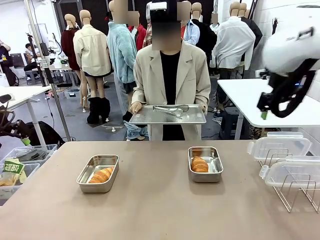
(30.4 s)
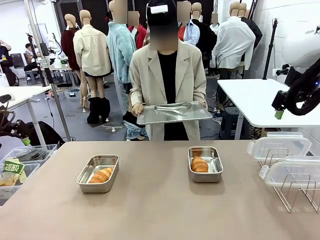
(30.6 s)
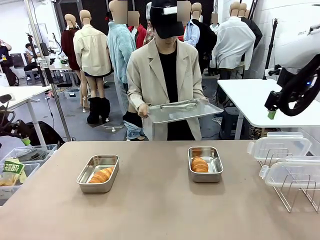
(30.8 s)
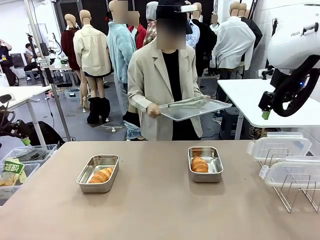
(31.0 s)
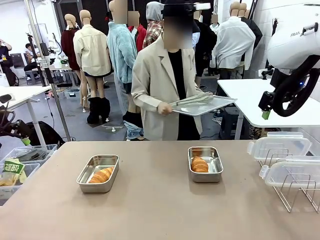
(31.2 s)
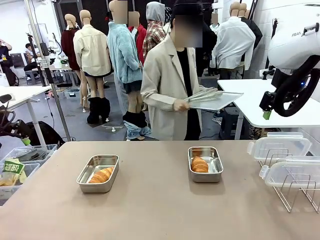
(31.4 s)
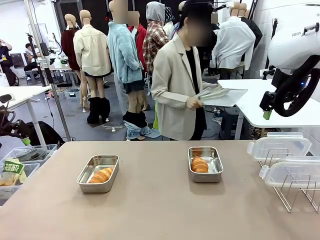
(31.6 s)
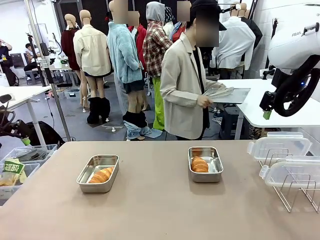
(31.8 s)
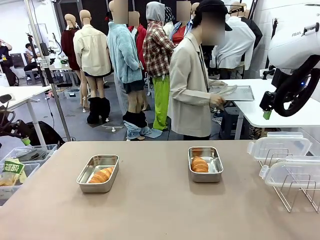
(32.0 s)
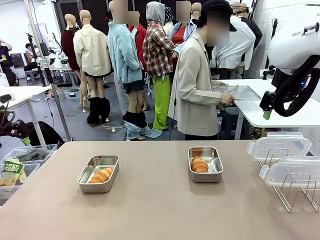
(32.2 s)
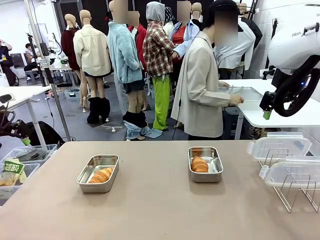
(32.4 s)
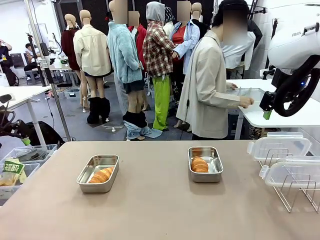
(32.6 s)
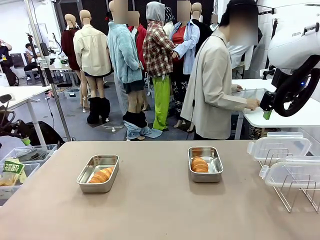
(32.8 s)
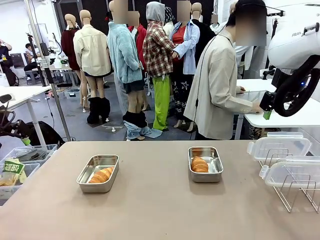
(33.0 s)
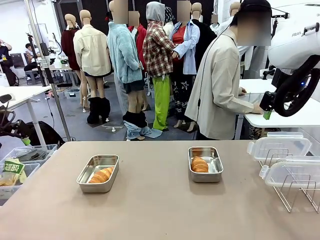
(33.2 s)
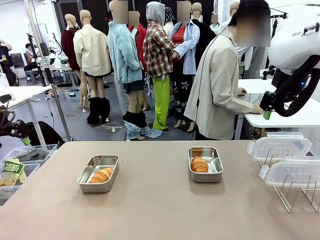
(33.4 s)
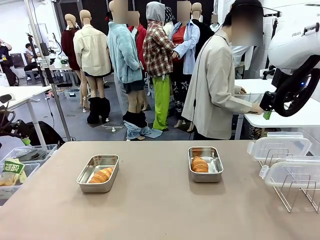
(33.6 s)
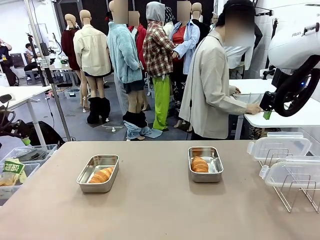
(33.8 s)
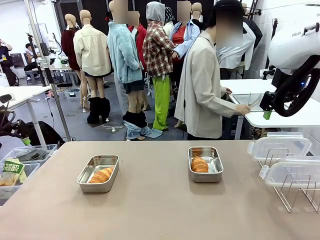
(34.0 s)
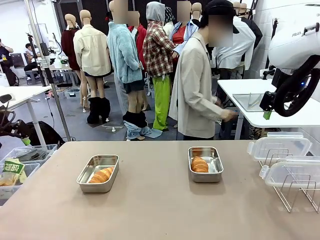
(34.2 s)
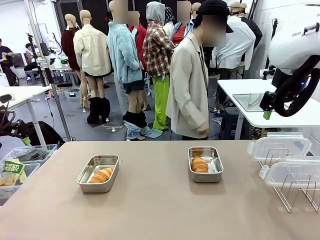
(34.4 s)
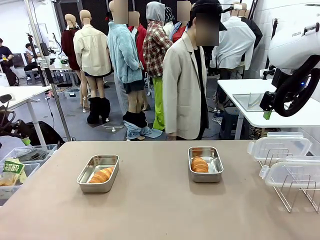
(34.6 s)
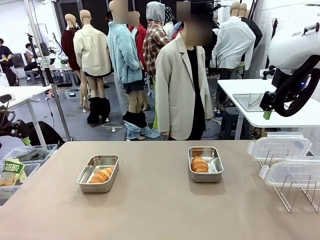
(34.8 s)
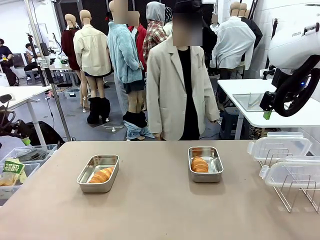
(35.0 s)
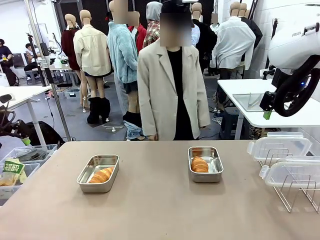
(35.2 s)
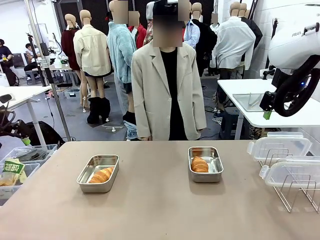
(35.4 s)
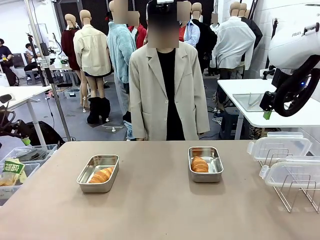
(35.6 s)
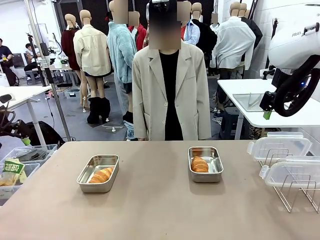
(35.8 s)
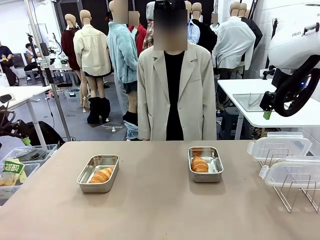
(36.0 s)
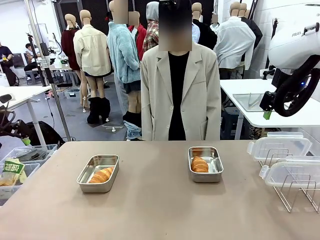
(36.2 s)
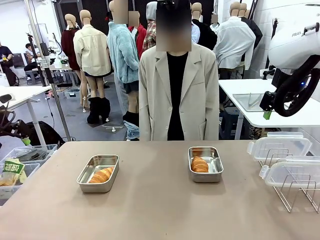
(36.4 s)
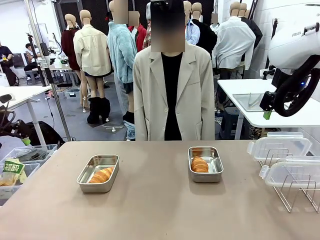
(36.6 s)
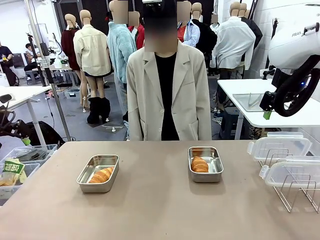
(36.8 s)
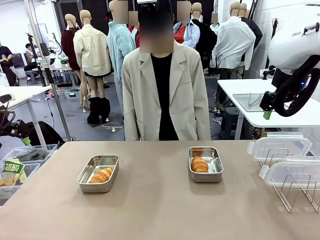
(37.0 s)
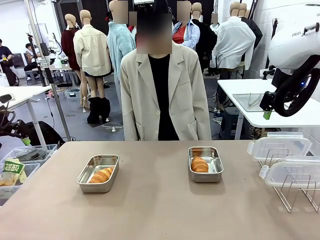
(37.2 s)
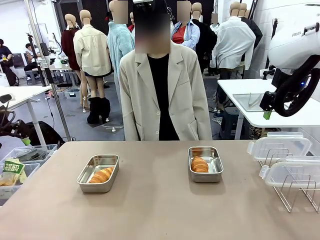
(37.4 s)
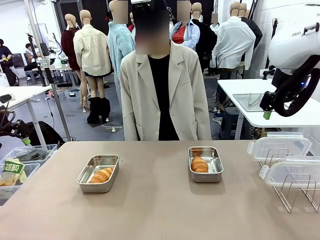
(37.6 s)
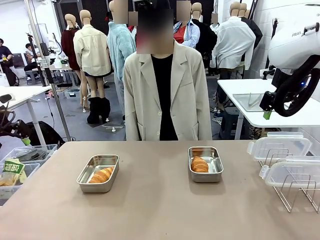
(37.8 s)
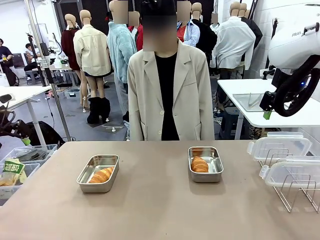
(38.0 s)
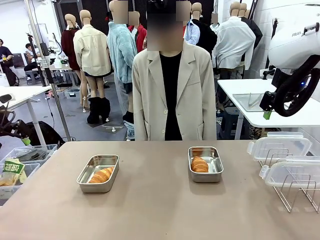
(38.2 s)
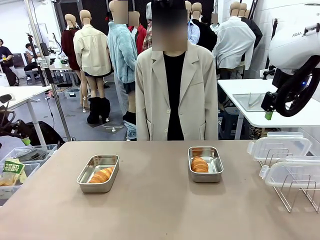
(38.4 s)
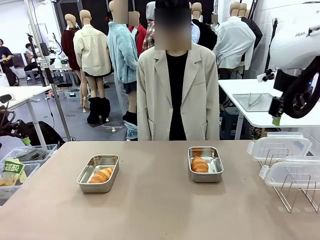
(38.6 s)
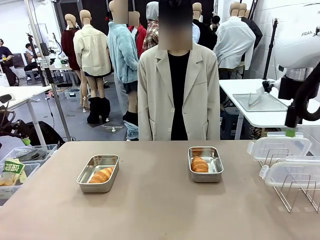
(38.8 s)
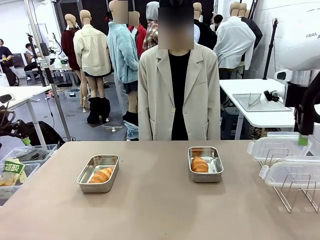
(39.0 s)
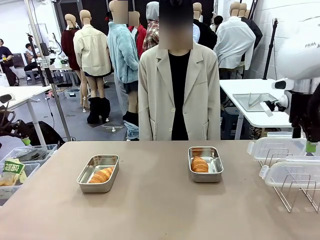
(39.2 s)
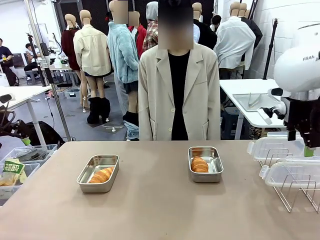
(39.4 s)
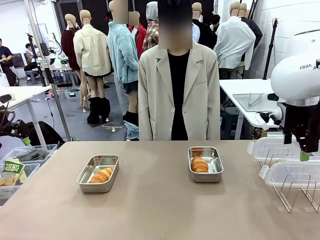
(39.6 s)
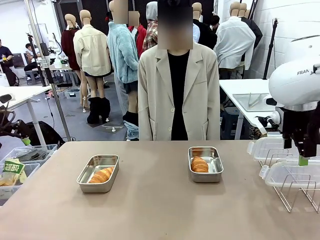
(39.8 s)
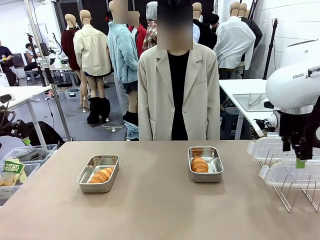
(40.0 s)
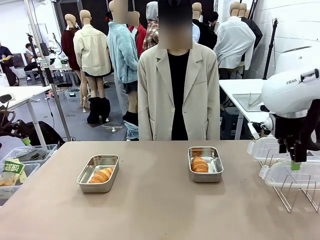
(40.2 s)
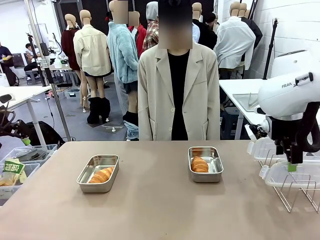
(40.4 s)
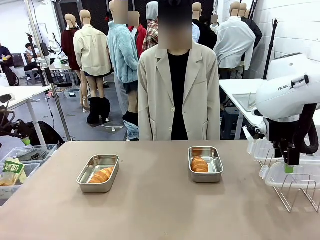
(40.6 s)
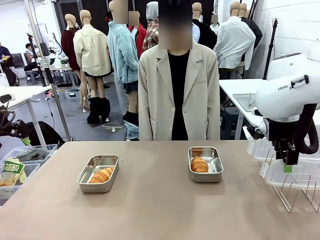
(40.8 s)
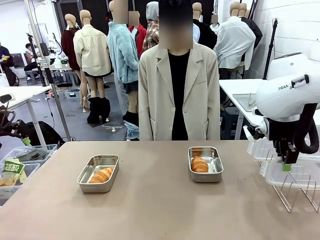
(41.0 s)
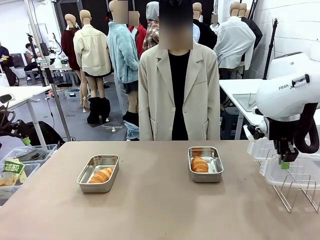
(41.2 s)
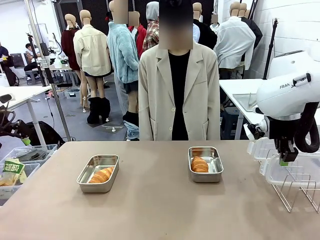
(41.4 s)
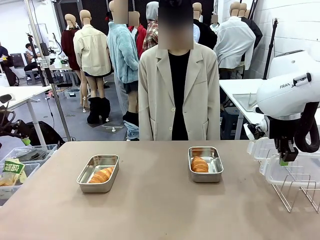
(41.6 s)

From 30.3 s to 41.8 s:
Task: Place the bread in airtight containers.
Robot: Pick up one Airtight Container lid and hand it to the human.
Person: Place Baking Sheet on the Human's Table.

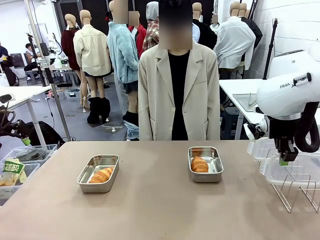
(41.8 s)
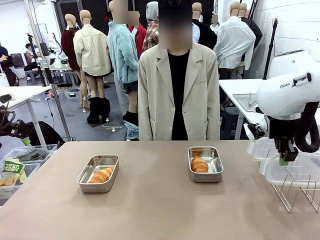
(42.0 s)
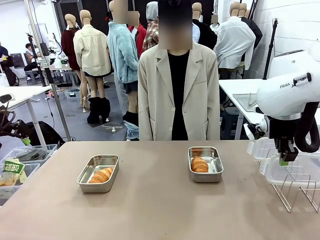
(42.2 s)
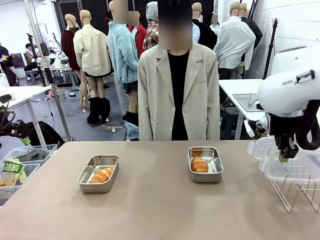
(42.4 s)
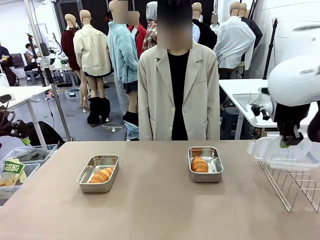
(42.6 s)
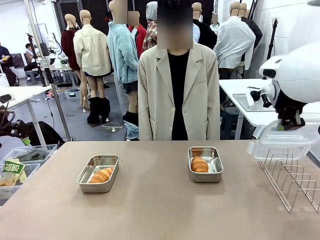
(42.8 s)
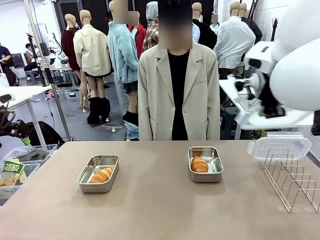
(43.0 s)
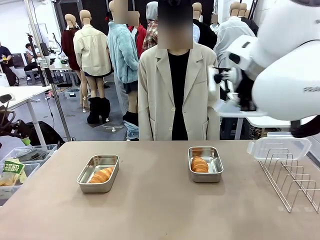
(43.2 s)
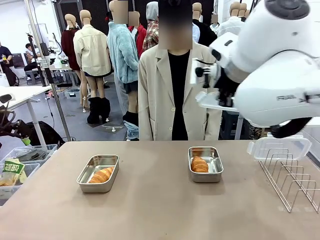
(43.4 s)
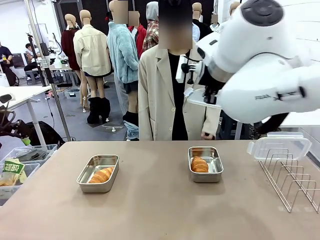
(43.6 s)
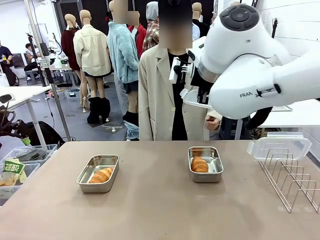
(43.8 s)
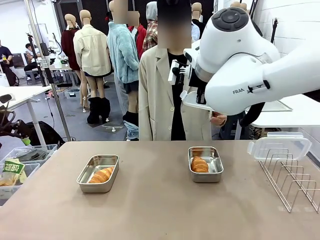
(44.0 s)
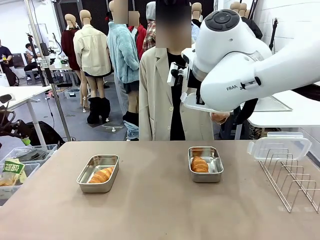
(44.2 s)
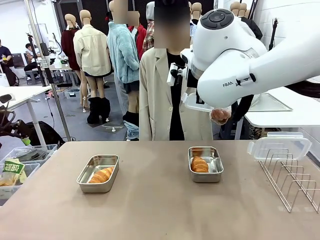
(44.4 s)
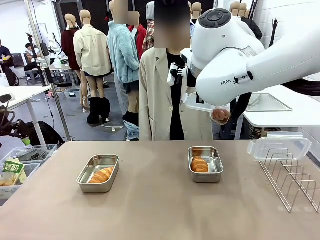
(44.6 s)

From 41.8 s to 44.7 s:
Robot: Release when the human grabs the Airtight Container lid.
